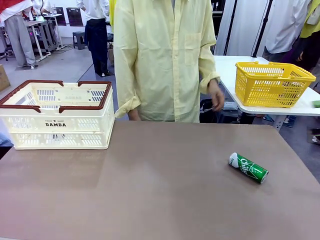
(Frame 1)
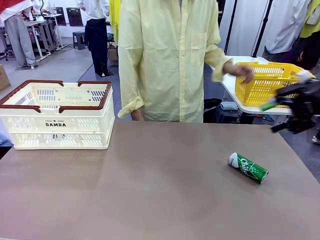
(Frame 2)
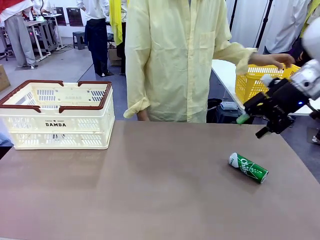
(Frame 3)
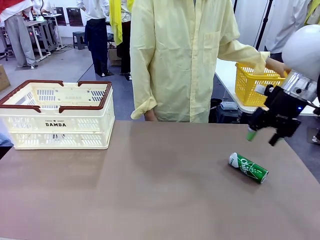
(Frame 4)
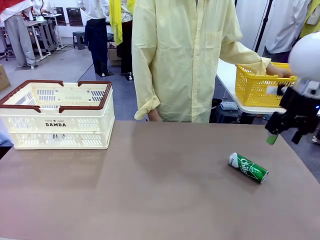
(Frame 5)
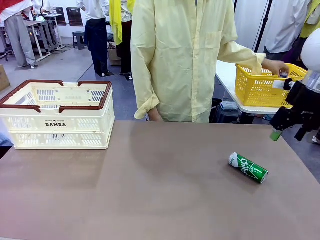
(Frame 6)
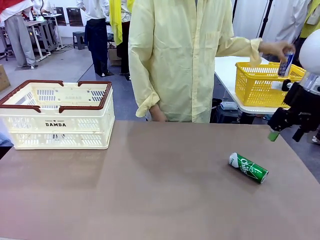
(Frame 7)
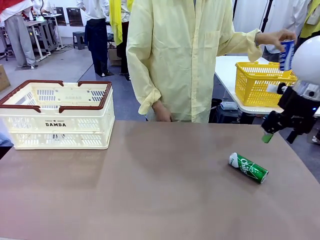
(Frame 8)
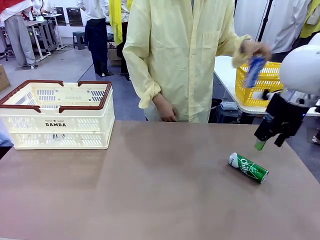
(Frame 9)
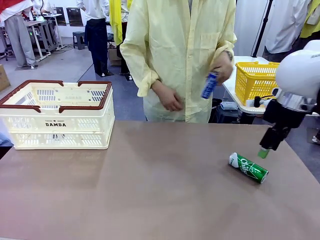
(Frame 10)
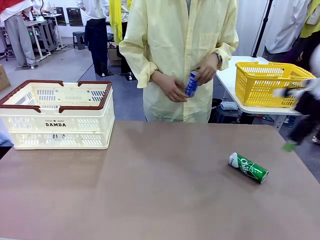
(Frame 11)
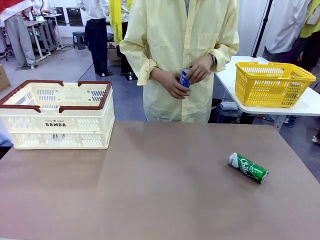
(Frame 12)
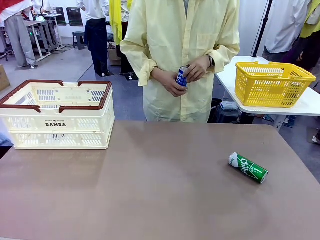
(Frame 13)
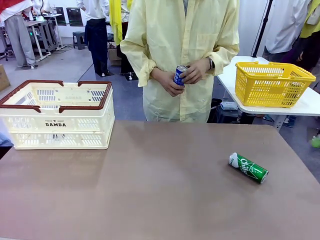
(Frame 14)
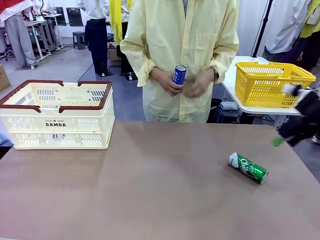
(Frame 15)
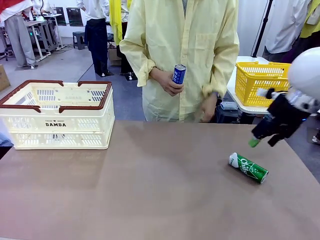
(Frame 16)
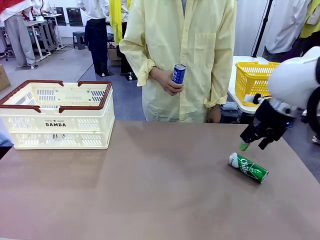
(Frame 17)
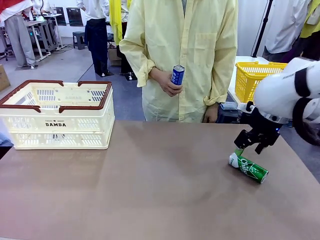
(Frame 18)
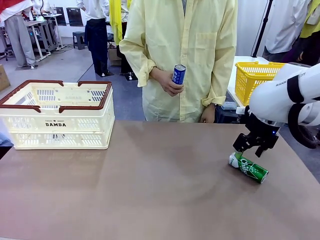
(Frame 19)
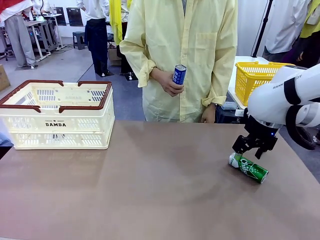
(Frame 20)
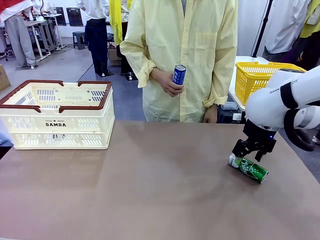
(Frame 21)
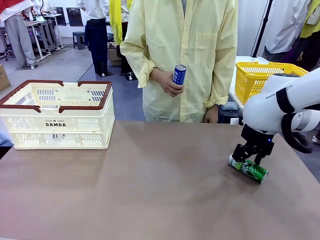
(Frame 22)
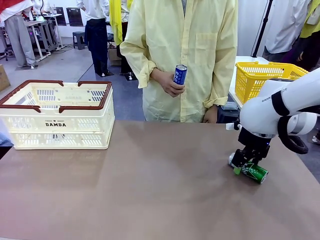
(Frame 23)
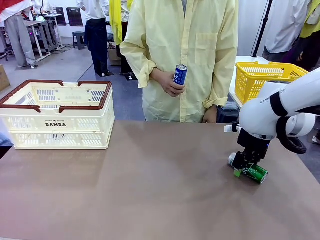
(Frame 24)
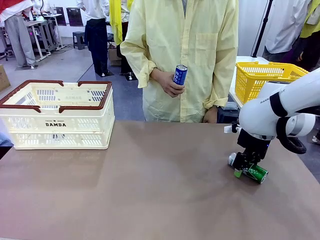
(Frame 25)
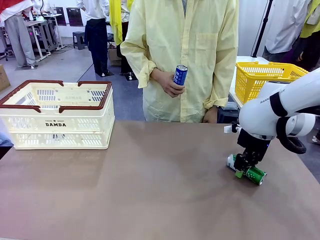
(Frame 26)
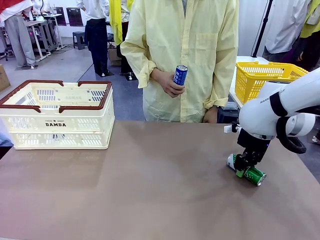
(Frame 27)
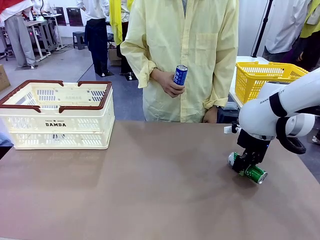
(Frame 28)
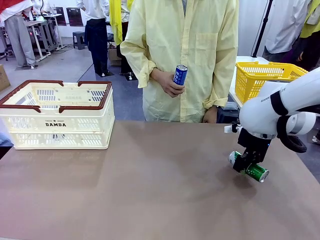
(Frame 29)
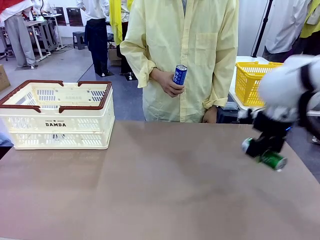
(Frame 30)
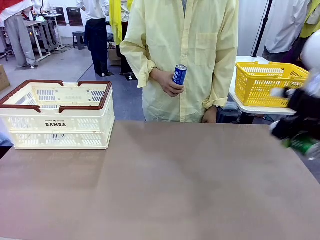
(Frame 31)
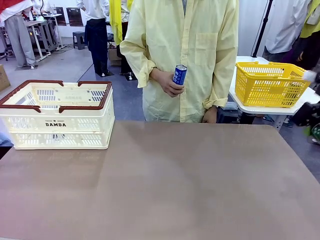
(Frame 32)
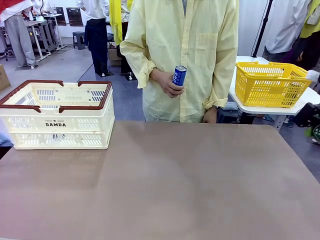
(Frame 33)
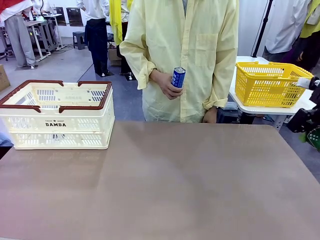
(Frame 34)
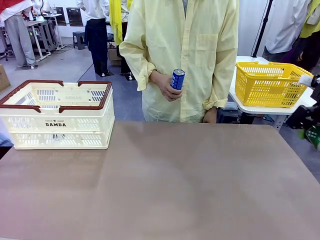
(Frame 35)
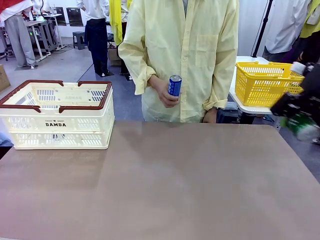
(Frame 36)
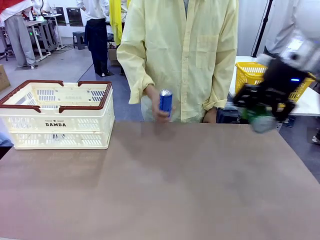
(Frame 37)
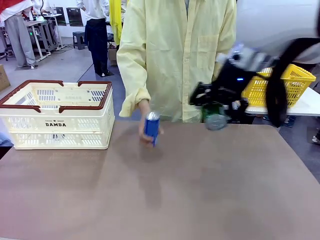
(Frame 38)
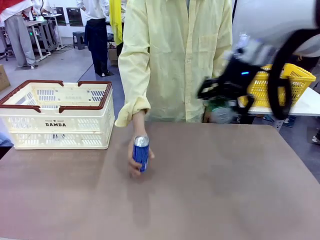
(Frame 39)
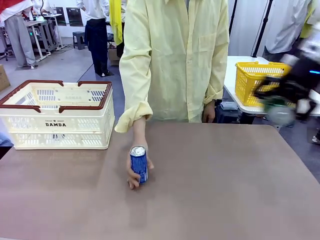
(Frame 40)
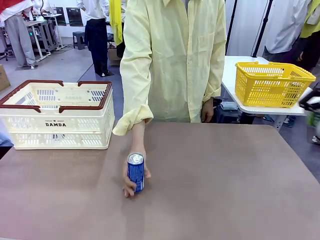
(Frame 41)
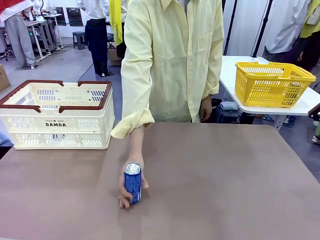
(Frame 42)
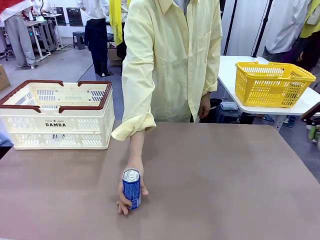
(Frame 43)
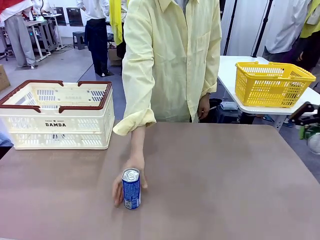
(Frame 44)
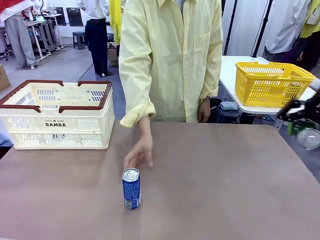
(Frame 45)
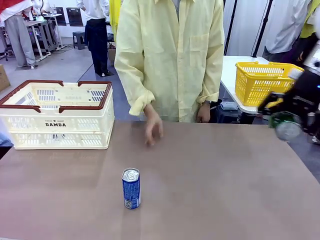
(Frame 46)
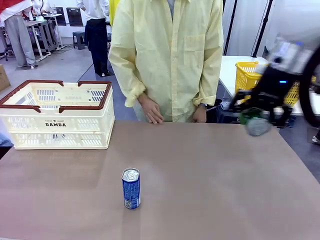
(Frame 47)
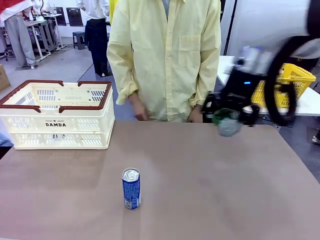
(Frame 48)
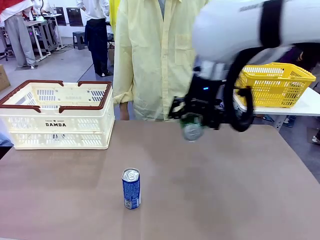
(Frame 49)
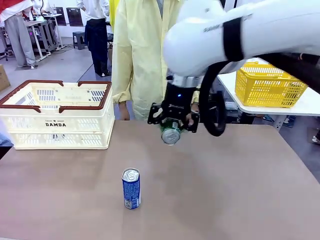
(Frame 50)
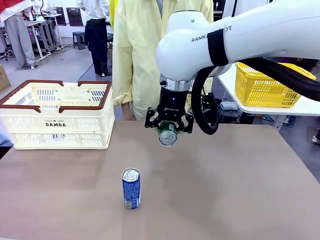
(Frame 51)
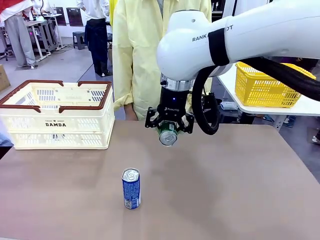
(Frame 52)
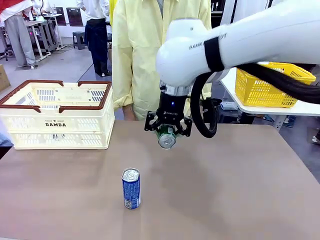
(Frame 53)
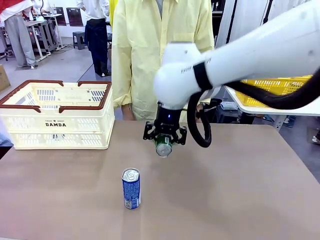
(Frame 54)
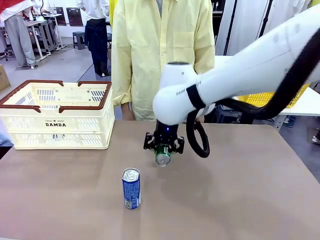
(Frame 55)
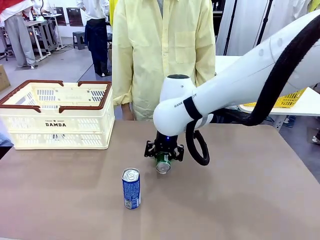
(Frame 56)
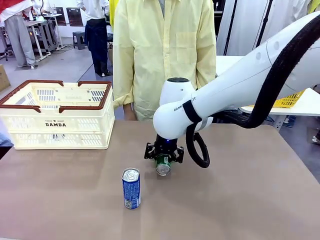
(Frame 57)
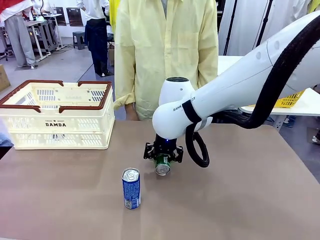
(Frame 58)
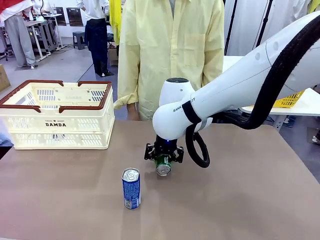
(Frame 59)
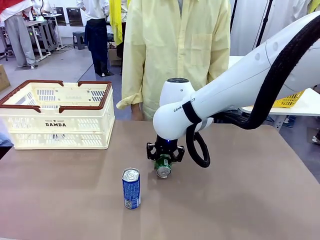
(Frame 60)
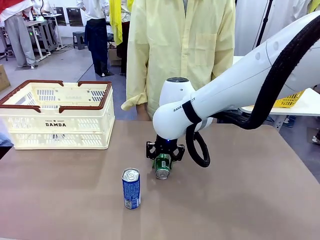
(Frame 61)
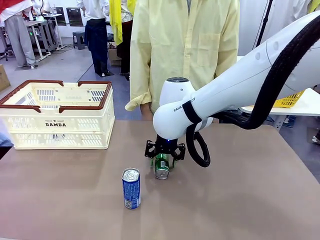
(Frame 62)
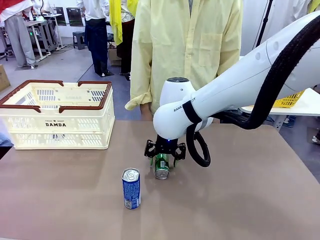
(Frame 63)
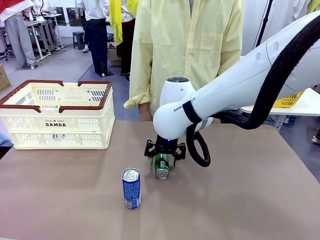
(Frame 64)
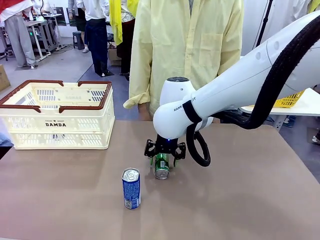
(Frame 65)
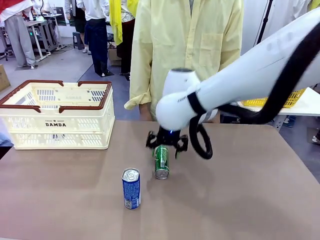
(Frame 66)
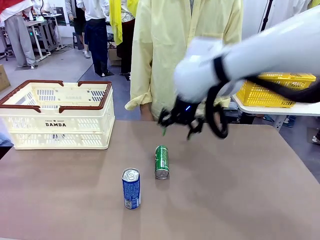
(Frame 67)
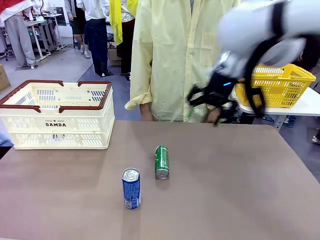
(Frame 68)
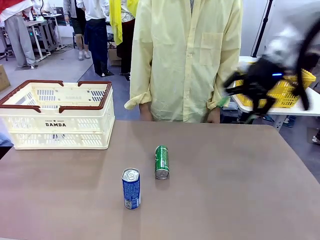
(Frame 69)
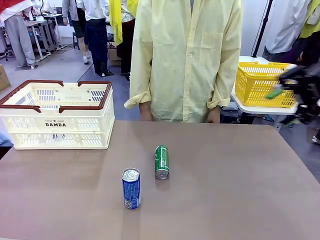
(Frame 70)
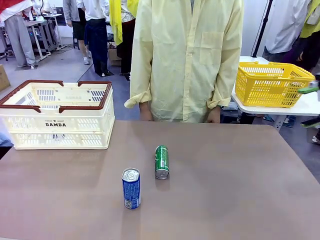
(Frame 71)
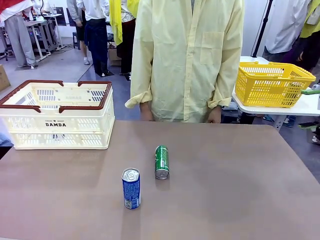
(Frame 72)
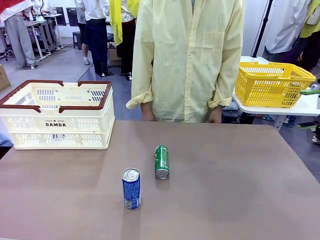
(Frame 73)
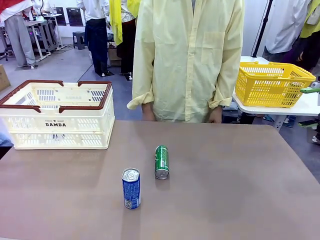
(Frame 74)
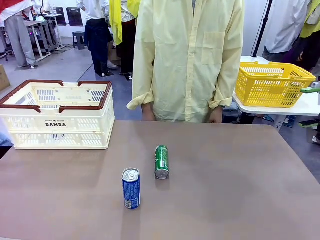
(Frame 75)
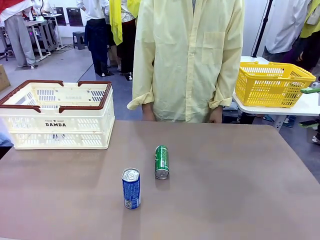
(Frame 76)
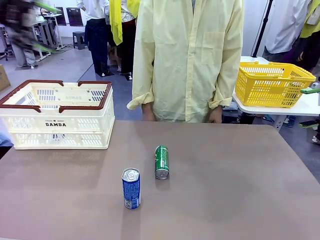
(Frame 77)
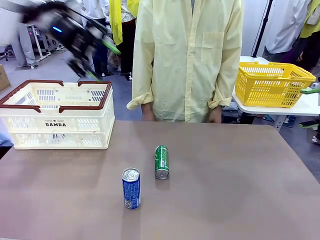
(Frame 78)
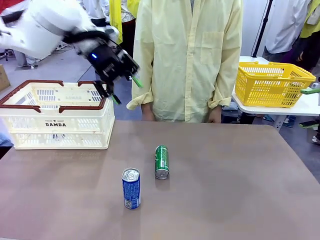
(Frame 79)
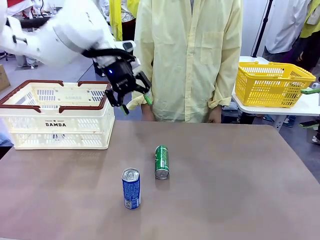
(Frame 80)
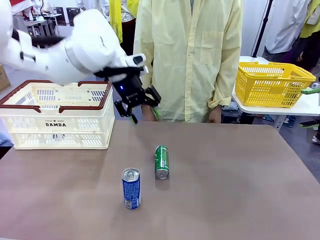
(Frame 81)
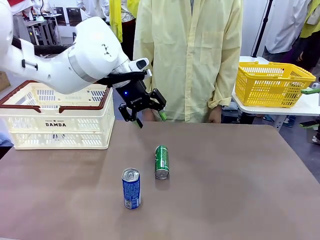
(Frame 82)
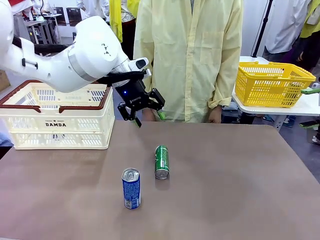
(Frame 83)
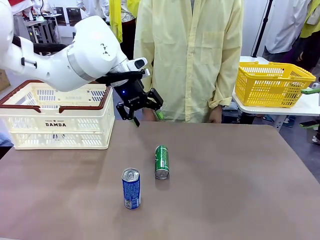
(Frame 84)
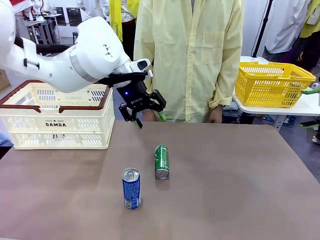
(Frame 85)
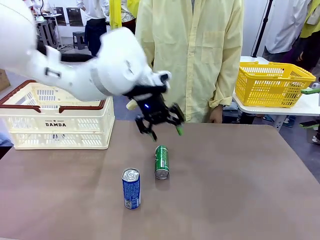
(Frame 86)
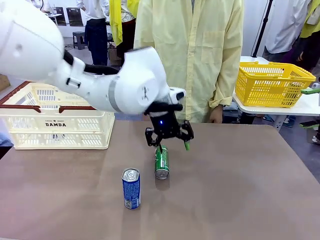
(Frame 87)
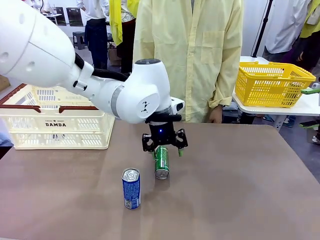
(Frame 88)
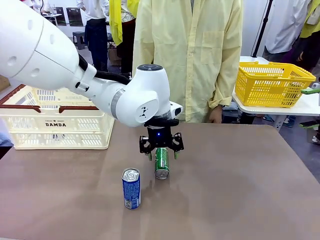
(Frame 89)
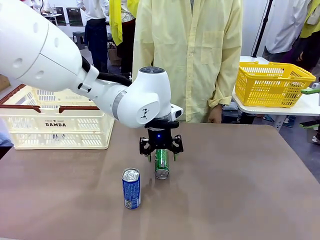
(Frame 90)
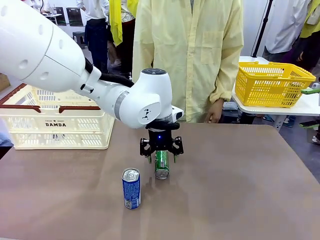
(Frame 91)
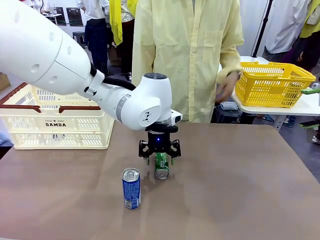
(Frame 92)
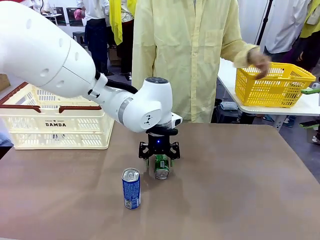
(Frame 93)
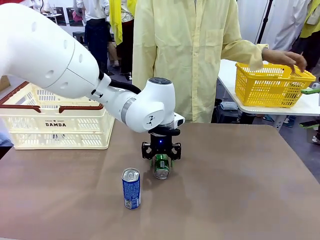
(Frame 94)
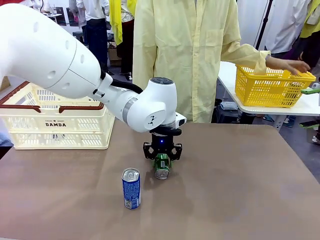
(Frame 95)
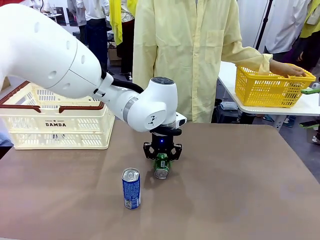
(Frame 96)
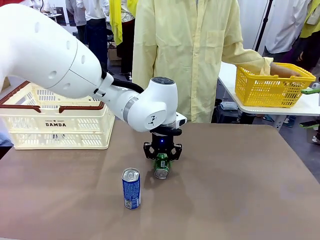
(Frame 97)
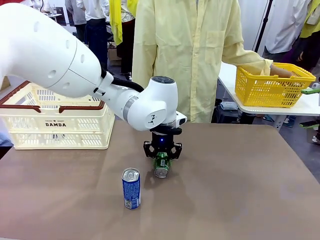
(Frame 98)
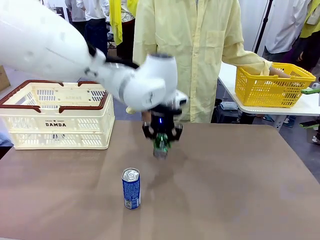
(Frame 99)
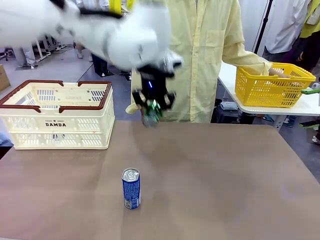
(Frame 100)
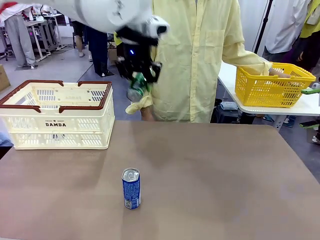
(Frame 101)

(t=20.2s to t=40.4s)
Task: Place the drinks into the Shopping basket.
Robot: Pick up one drink and place it into the Shopping basket.
